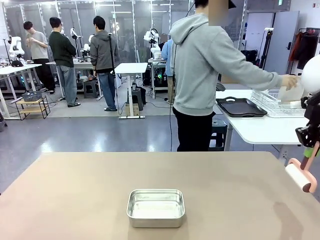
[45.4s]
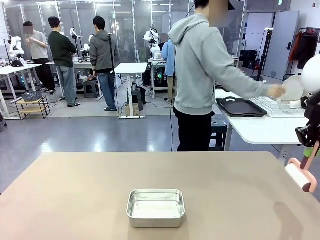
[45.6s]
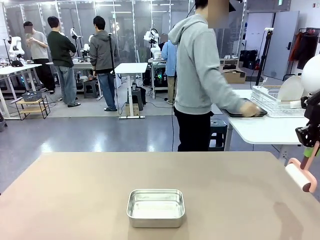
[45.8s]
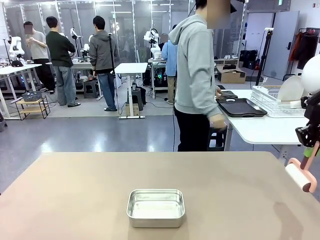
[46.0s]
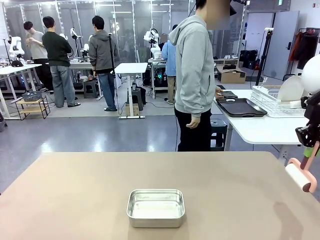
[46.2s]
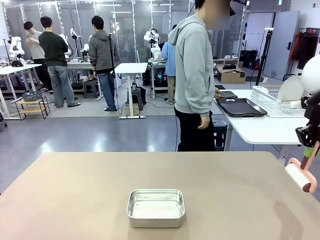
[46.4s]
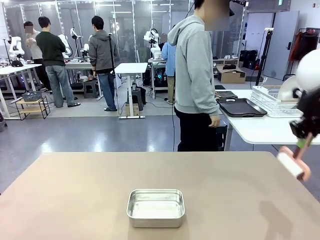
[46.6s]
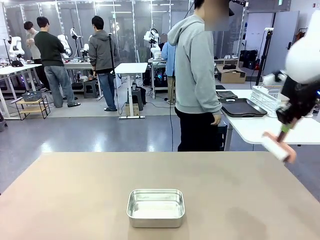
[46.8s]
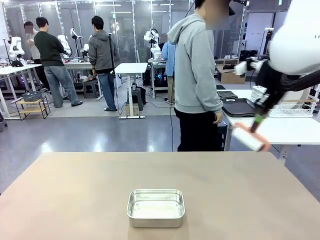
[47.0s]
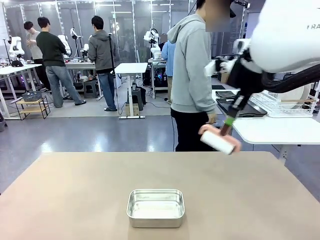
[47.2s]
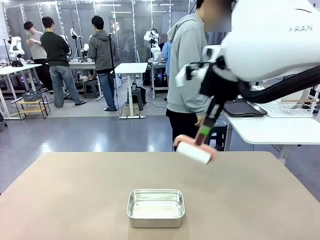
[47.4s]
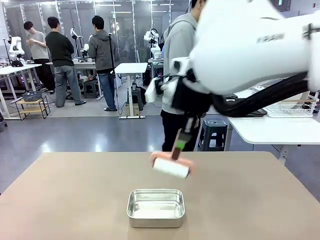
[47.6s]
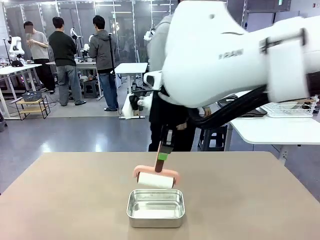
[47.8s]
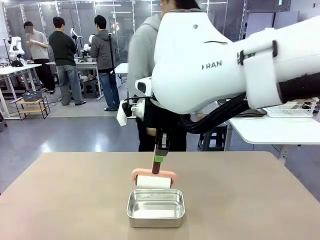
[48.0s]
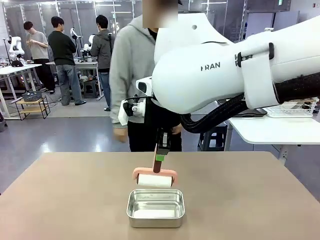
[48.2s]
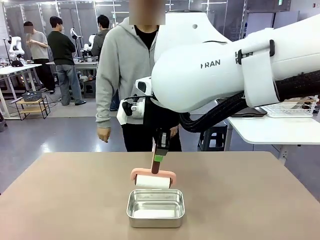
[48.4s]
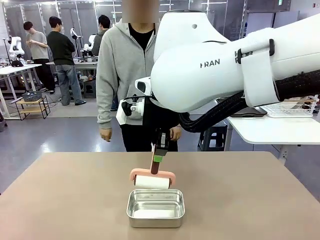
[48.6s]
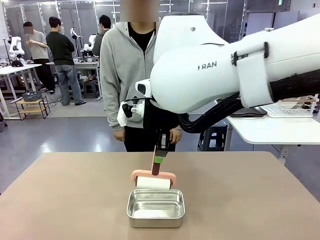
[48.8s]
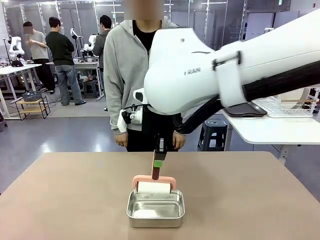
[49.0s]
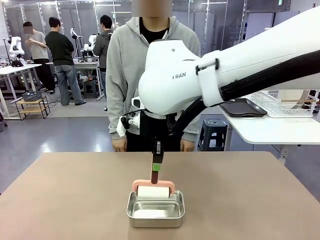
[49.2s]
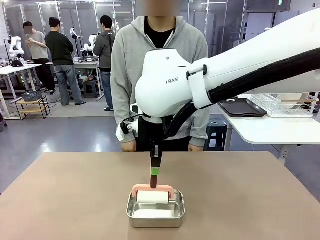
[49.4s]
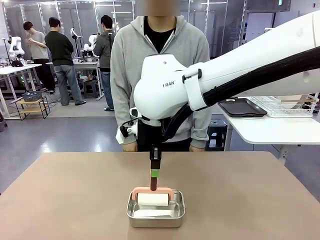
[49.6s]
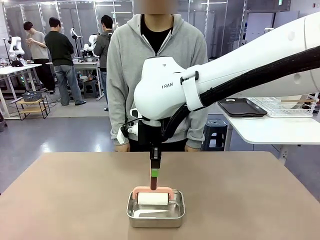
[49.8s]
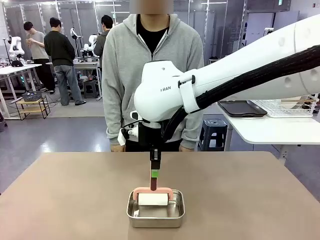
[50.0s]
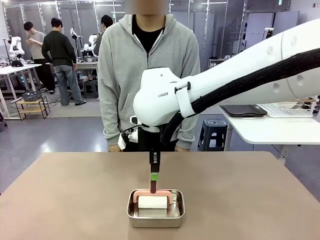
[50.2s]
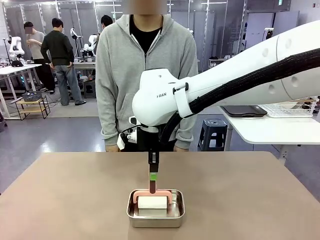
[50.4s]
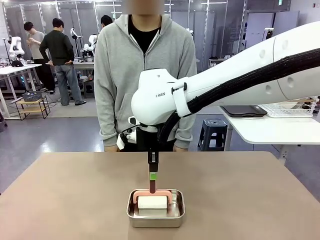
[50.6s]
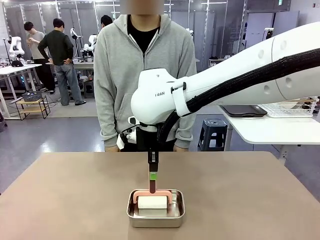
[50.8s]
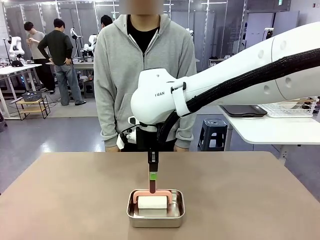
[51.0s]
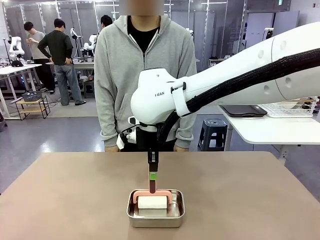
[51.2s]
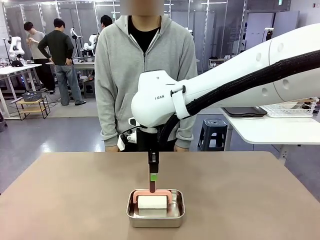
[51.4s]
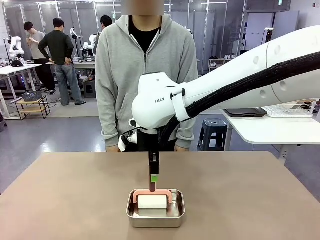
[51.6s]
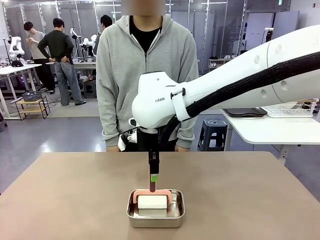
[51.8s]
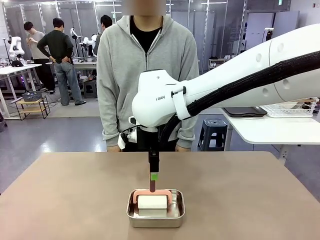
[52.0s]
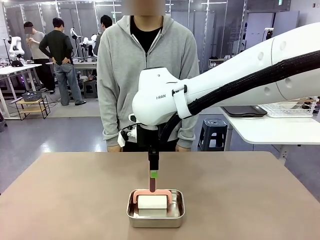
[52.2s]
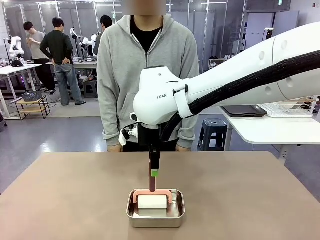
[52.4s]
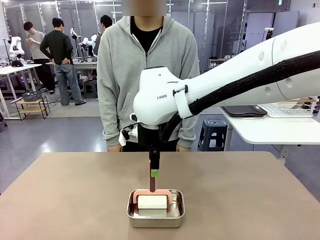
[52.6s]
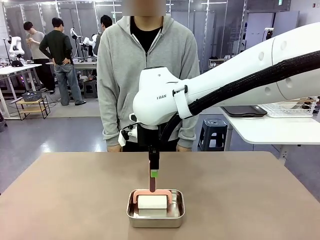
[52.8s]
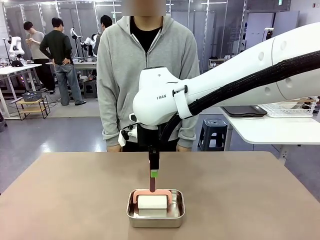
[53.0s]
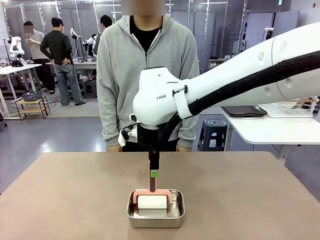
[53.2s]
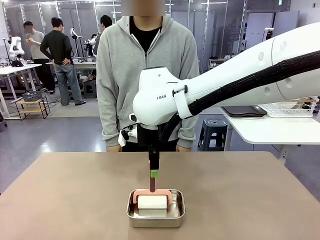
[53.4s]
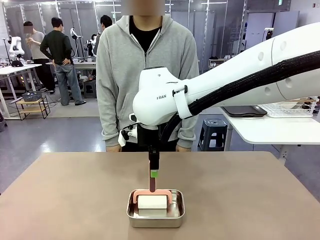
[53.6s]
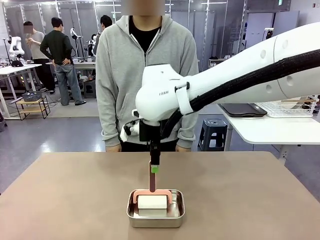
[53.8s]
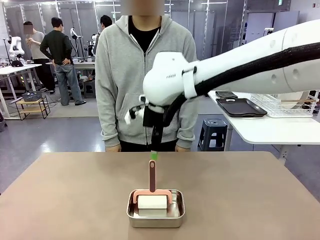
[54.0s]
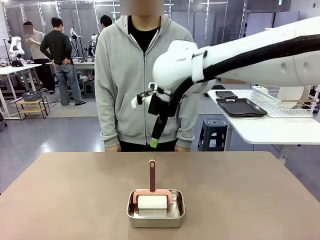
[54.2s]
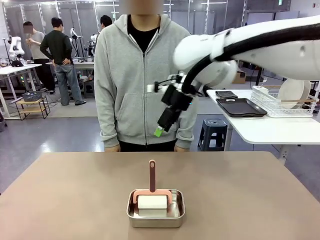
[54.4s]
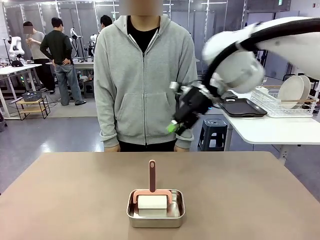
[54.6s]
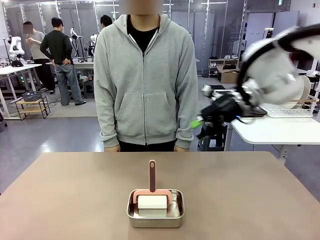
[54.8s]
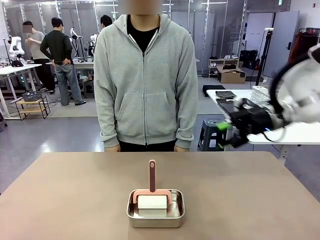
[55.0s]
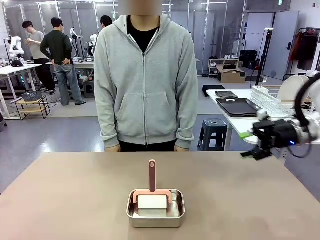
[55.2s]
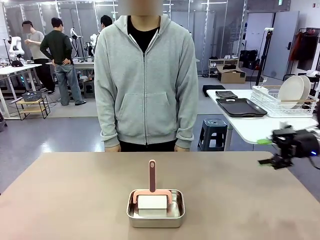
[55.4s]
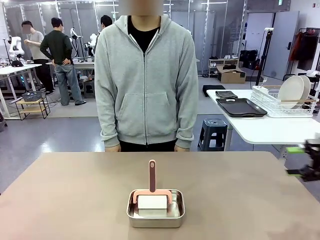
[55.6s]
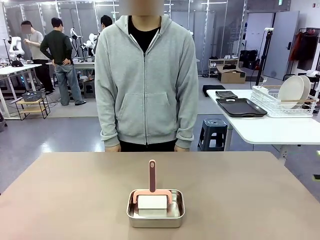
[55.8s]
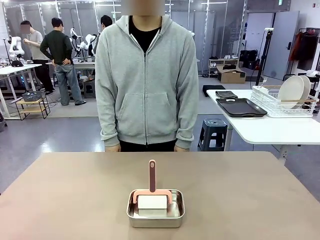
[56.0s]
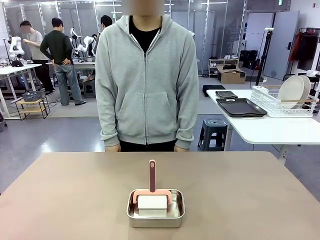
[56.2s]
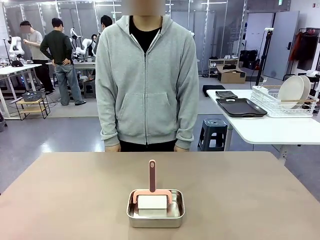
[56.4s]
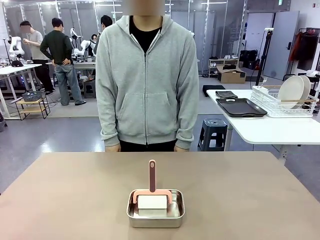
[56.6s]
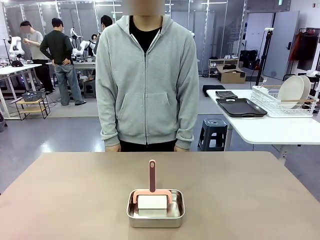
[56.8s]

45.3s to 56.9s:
Robot: Place the Lint Roller back on top of the Airtight Container.
